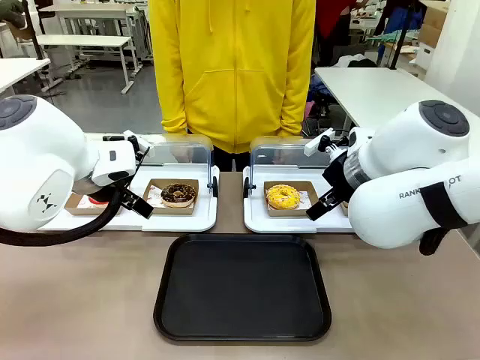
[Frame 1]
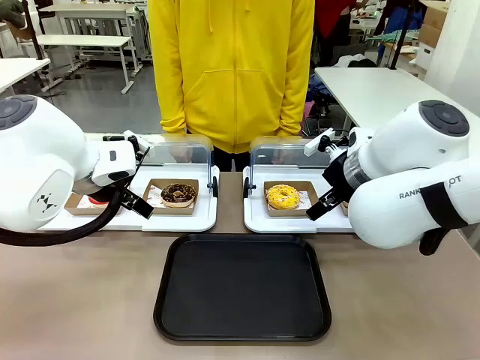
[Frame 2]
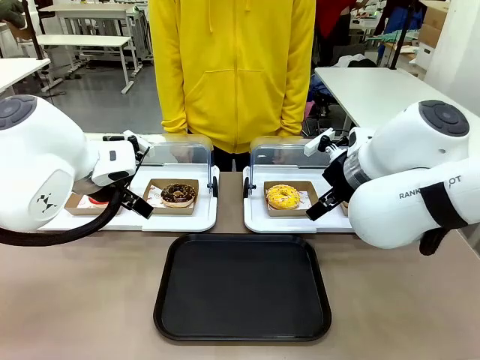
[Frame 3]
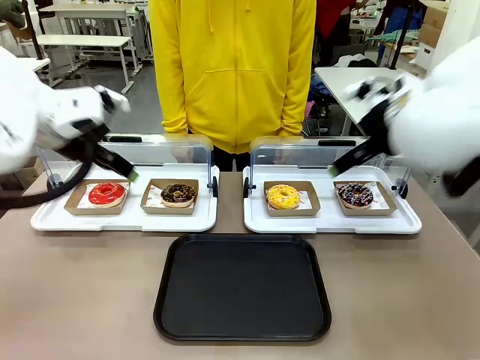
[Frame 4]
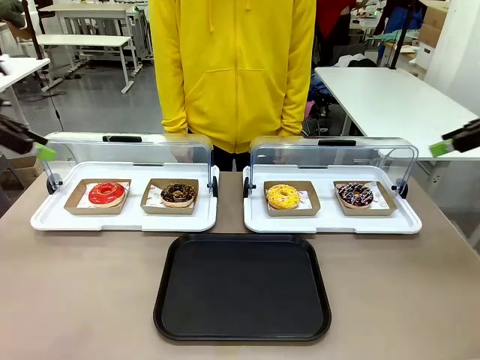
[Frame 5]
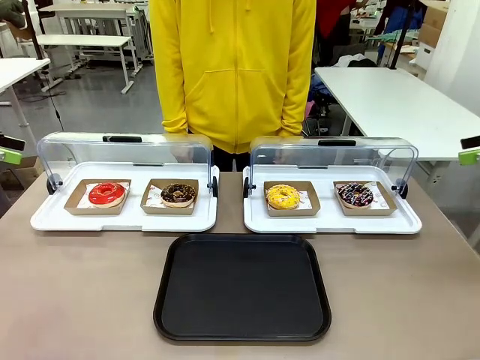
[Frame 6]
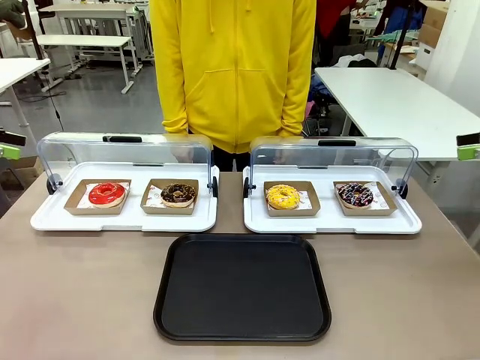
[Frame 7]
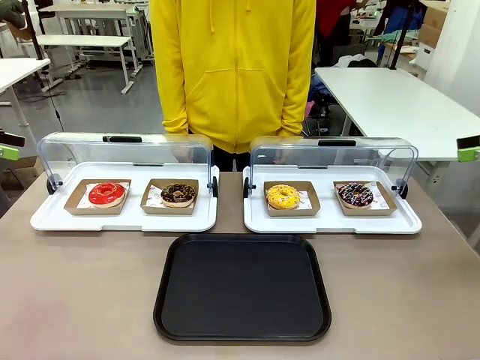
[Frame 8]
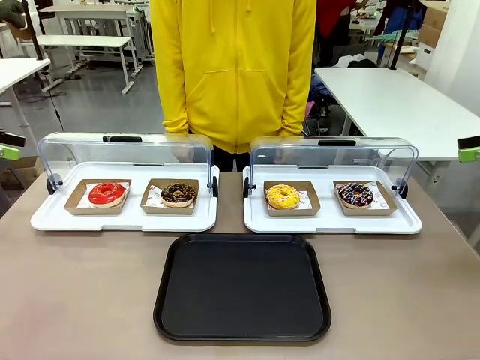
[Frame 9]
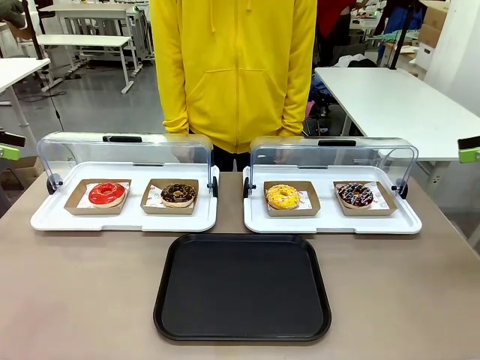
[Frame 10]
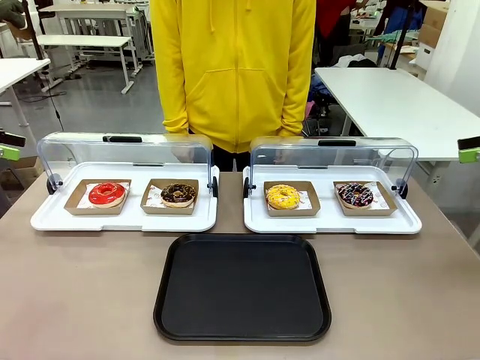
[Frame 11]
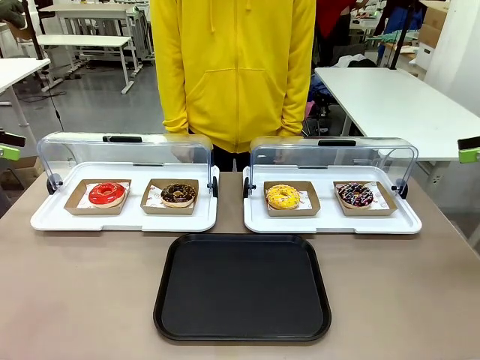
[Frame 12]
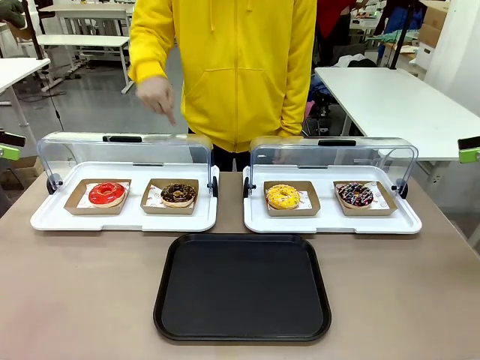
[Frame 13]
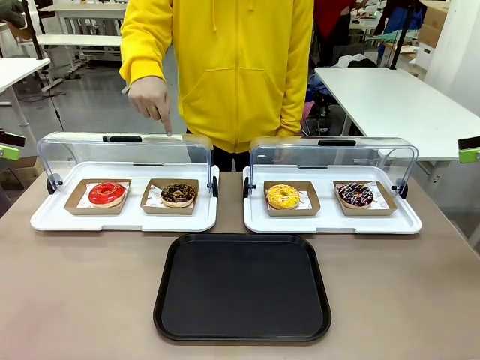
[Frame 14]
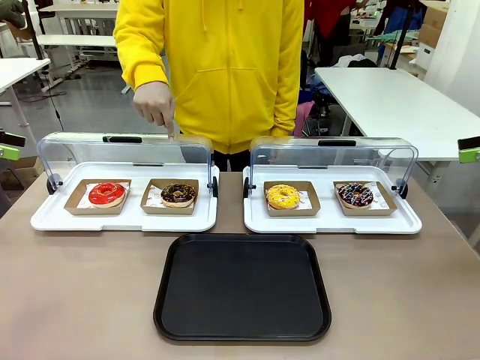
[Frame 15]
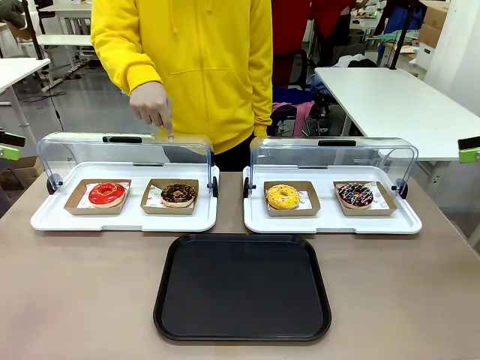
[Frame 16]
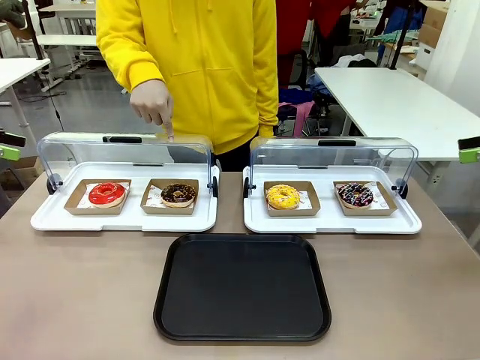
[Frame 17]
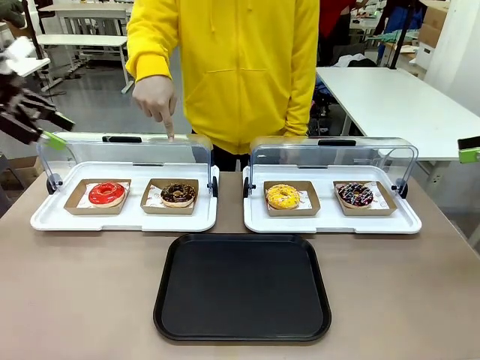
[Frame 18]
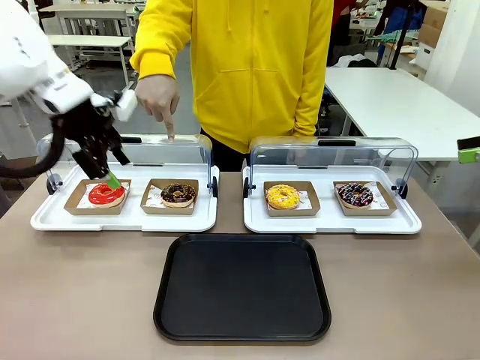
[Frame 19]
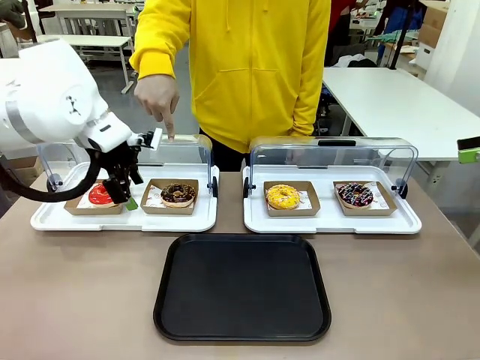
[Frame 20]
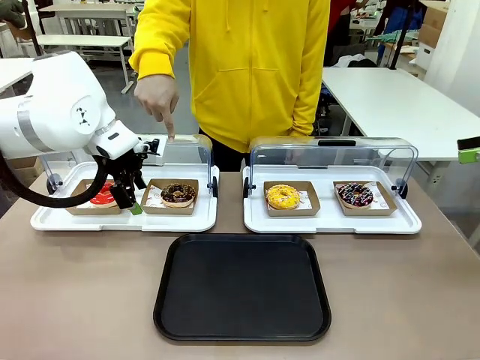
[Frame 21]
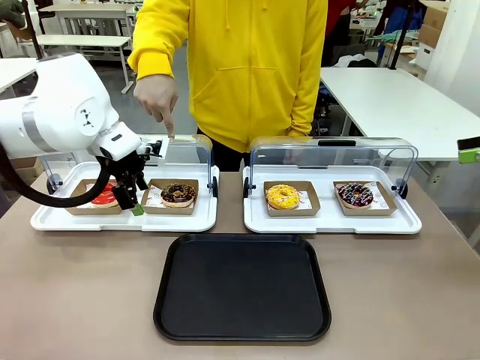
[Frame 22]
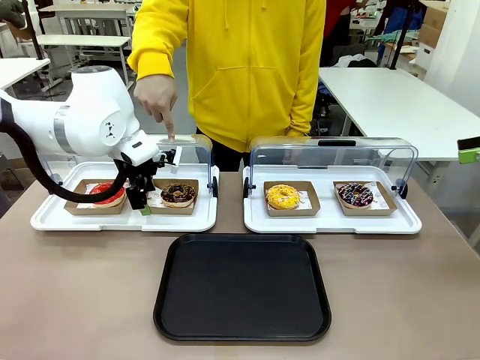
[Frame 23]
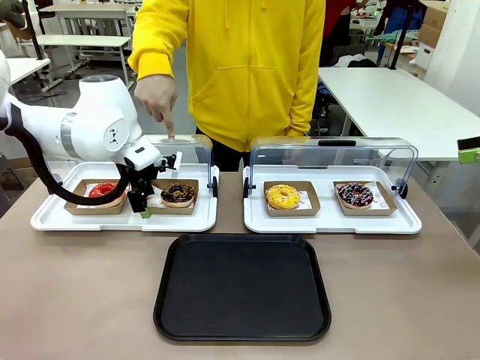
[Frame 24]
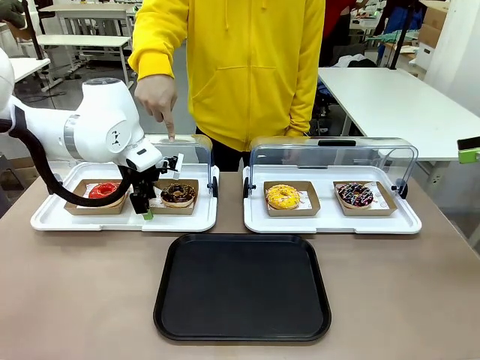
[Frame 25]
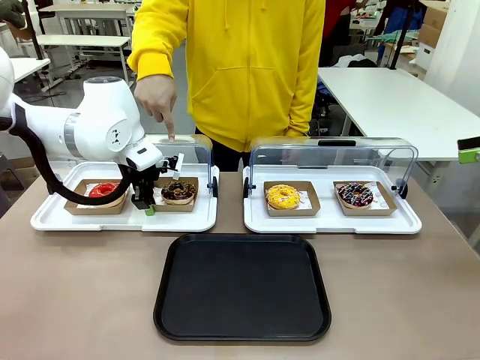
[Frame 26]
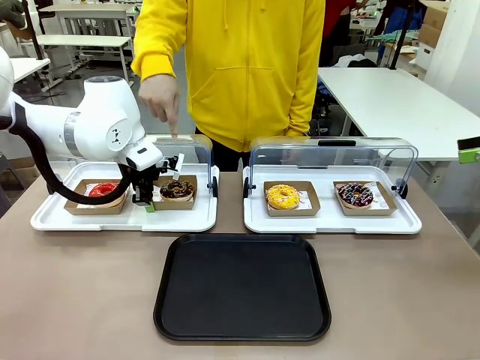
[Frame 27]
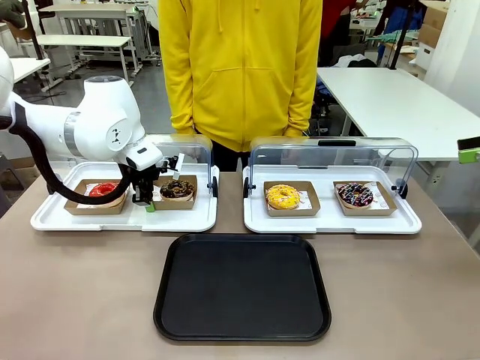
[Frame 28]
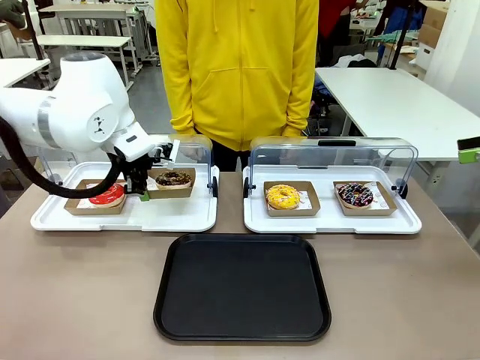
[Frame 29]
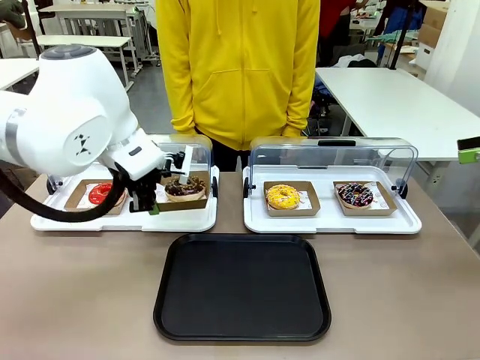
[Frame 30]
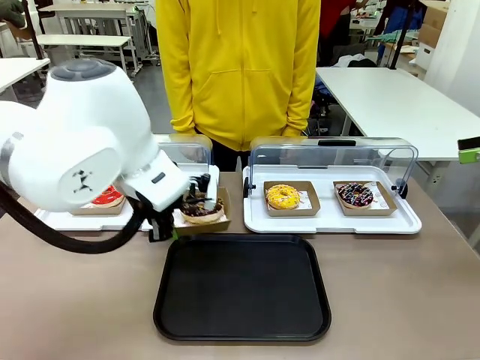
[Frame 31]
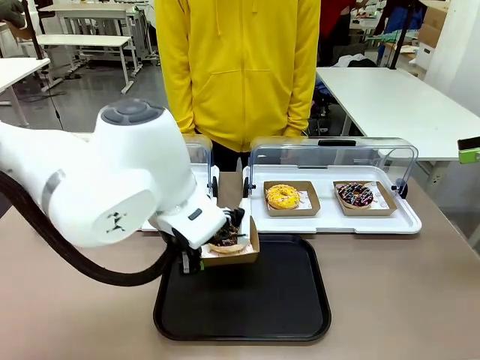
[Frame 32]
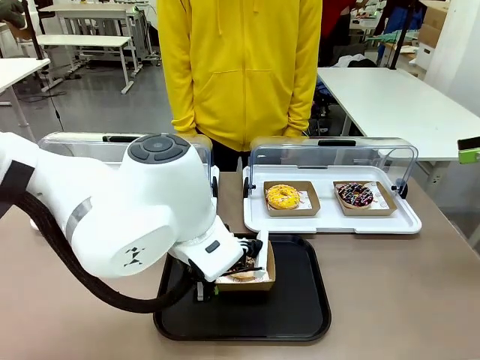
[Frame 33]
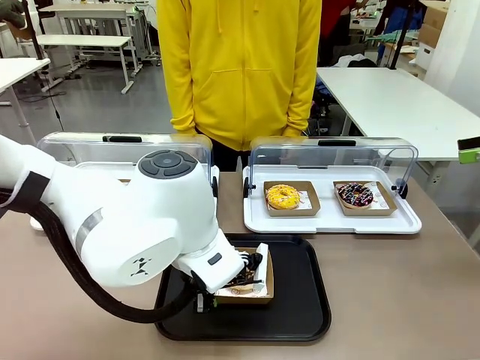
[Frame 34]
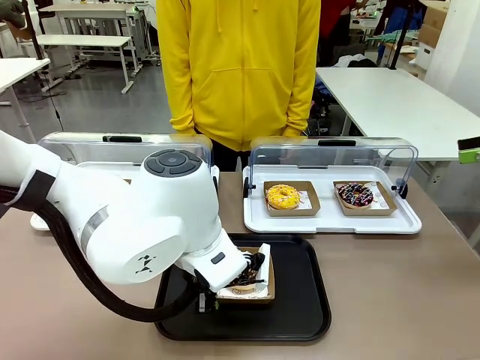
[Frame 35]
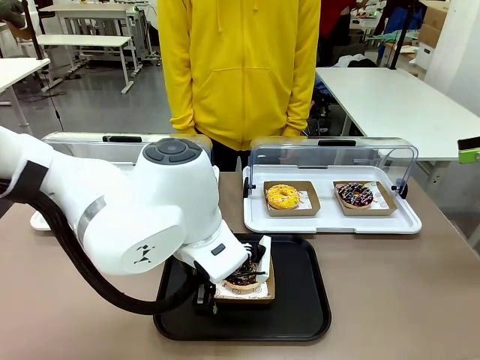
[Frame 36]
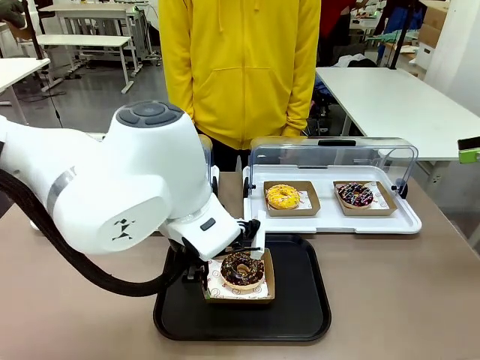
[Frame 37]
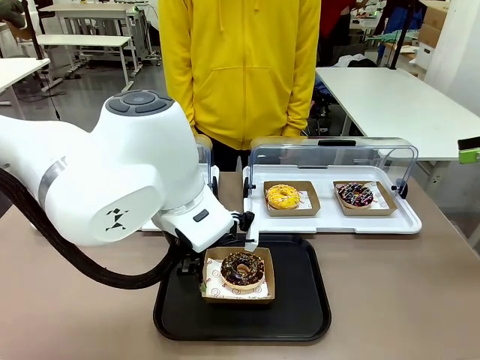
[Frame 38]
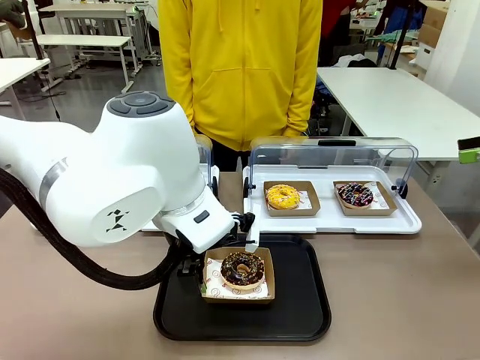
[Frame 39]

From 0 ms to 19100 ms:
Task: Move the second donut from the left to the tray.
Robot: Pick up the Paper togo box containing the Donut indicated by the person and place it on the Handle tray.
Person: Points to the second donut from the left from the robot’s perspective.

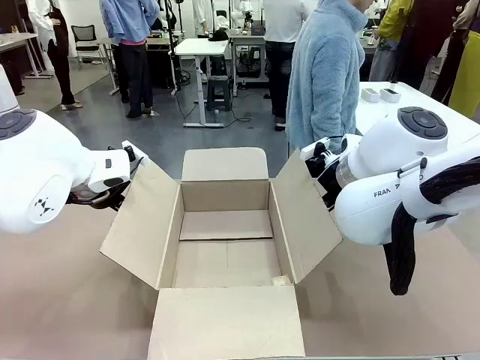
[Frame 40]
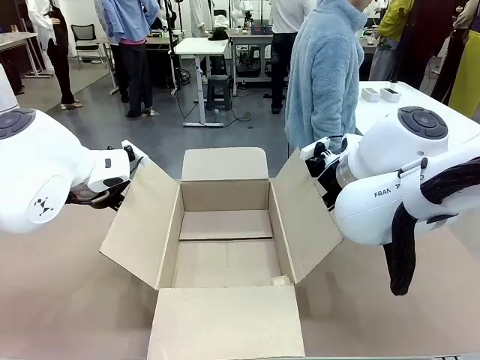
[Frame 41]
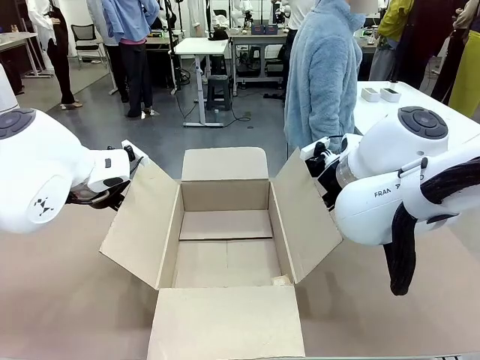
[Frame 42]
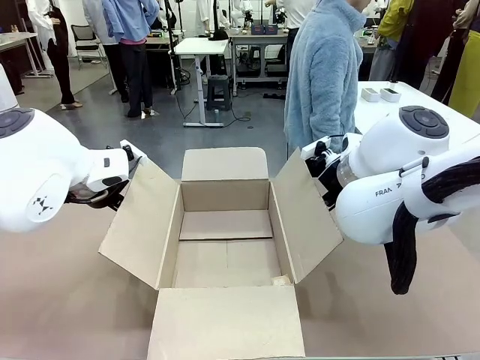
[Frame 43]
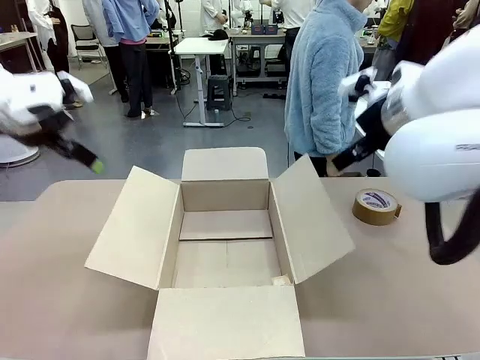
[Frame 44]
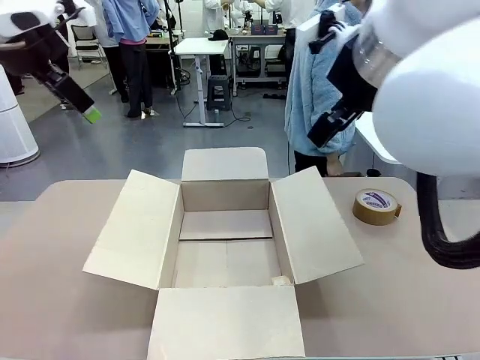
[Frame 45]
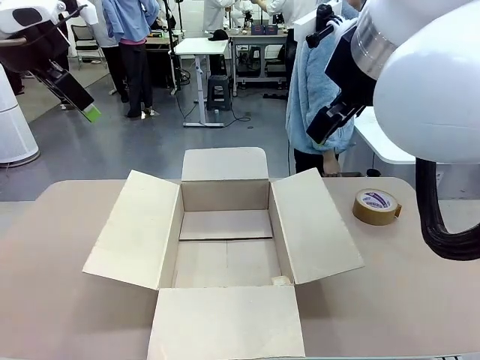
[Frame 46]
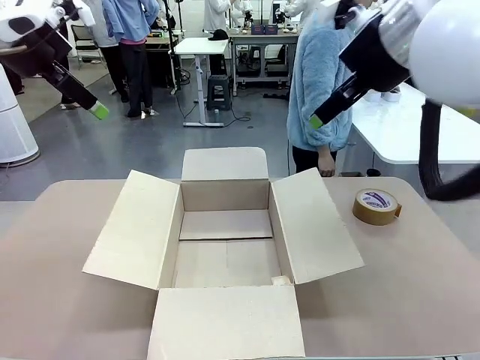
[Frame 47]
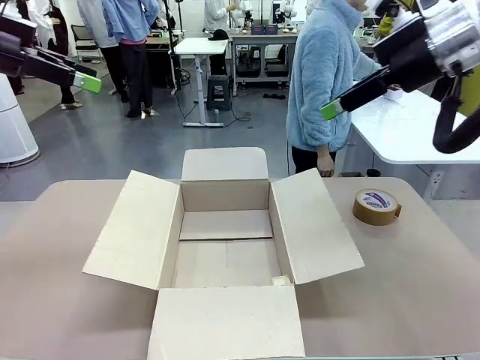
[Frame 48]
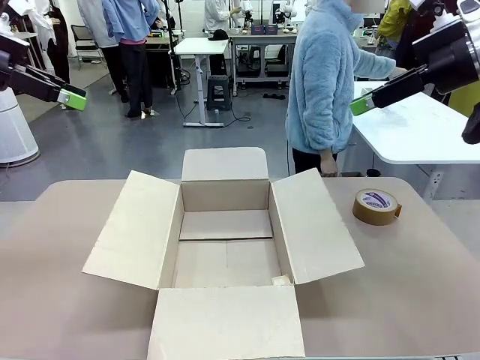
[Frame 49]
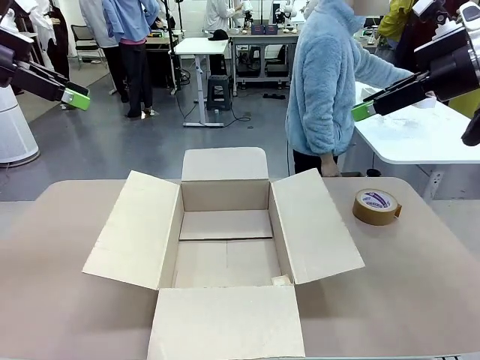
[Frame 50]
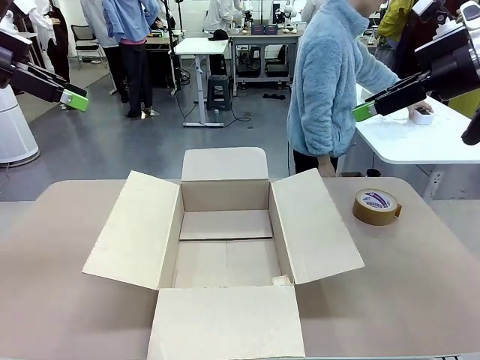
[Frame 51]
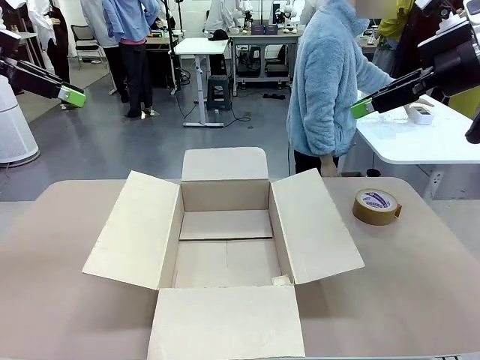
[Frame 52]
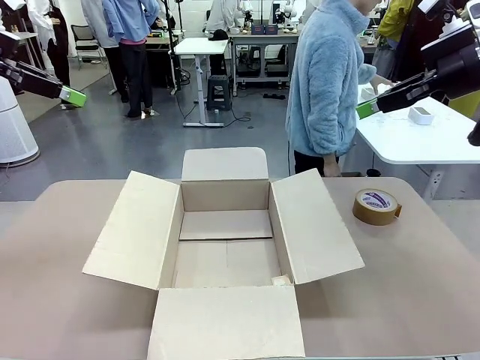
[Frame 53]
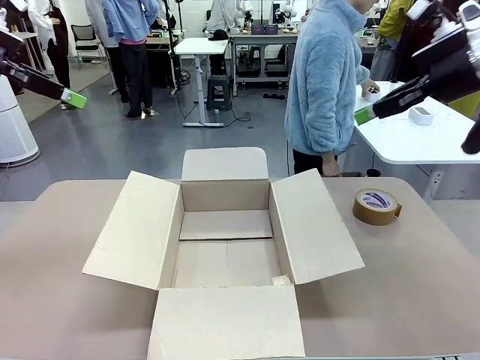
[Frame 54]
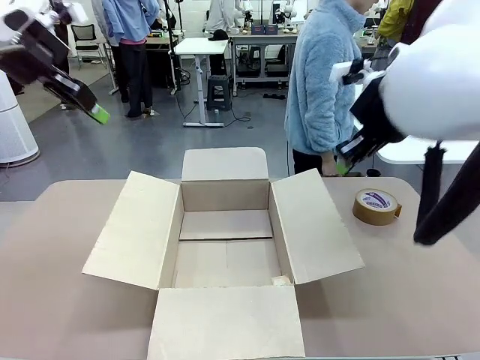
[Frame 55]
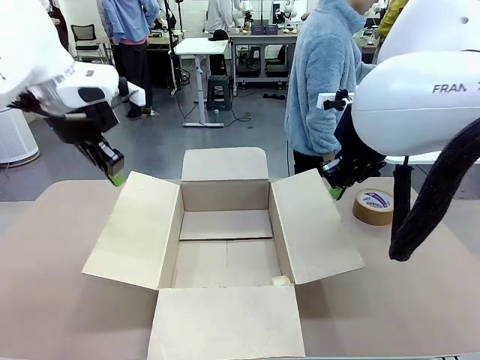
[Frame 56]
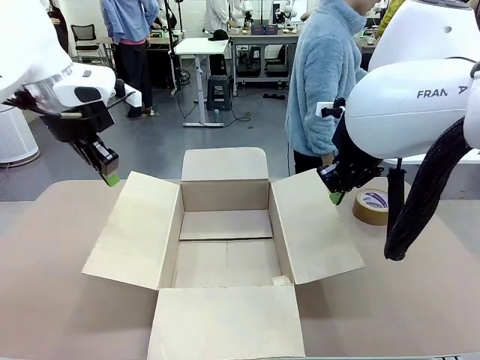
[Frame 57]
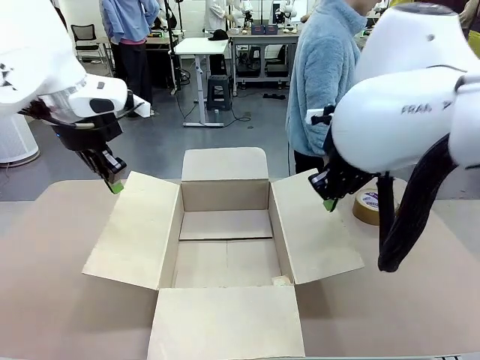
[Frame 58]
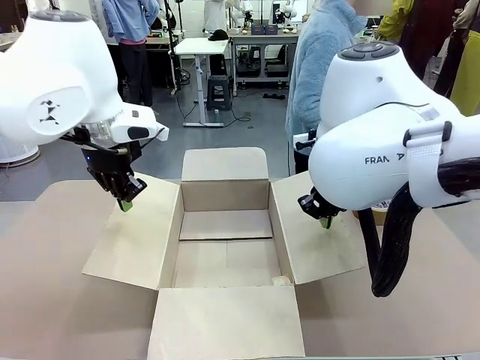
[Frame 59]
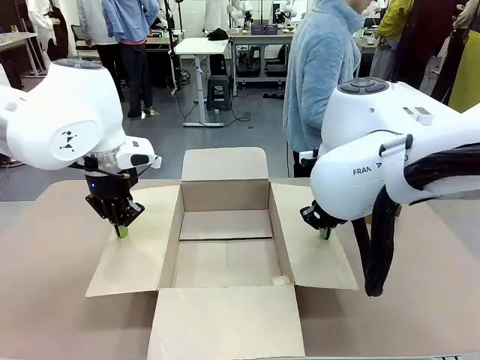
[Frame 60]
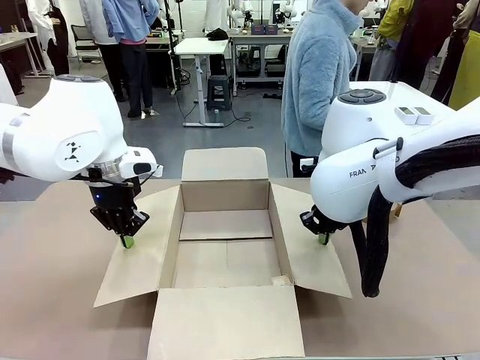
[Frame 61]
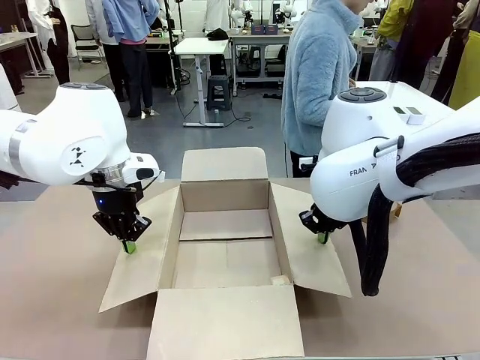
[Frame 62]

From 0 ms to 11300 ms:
Task: Wrap the clocks to prevent damage.
Robot: Open the side flaps of the Package Box.
